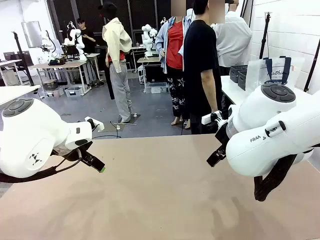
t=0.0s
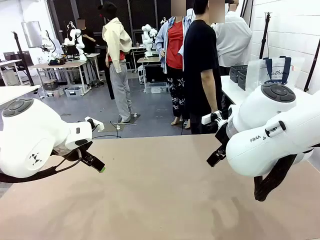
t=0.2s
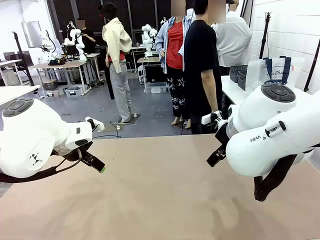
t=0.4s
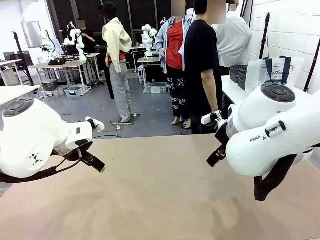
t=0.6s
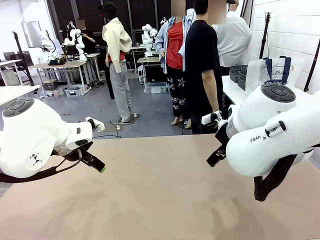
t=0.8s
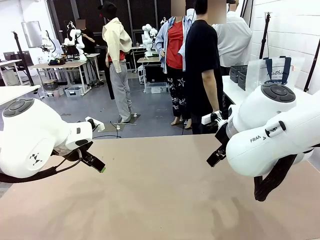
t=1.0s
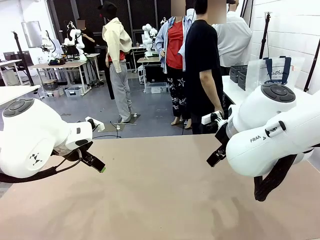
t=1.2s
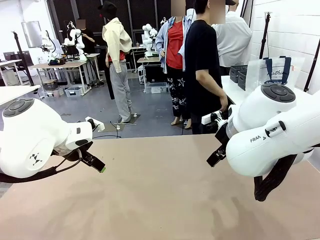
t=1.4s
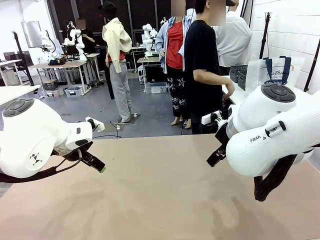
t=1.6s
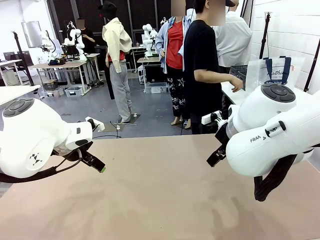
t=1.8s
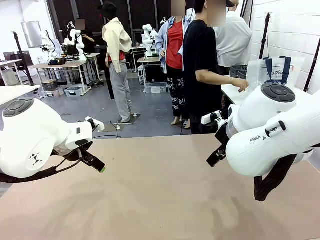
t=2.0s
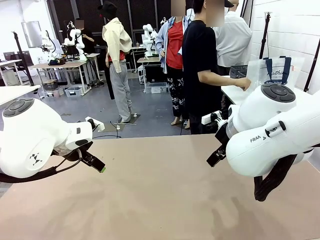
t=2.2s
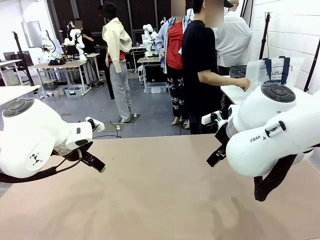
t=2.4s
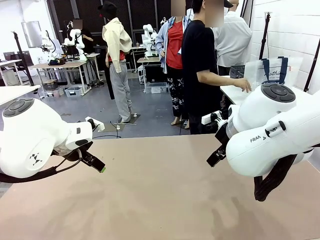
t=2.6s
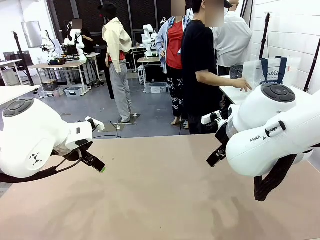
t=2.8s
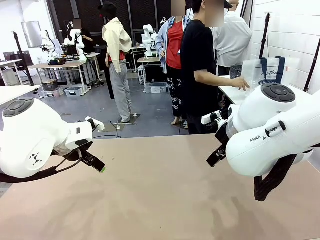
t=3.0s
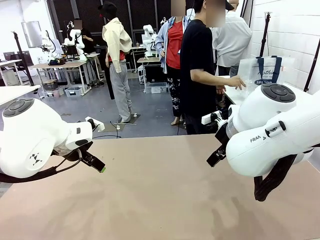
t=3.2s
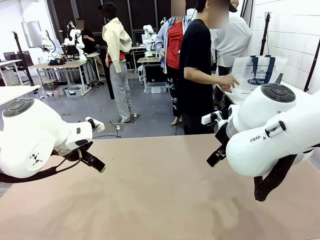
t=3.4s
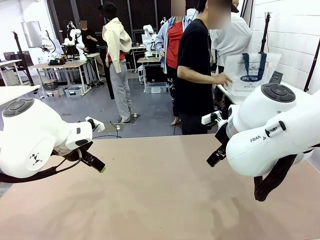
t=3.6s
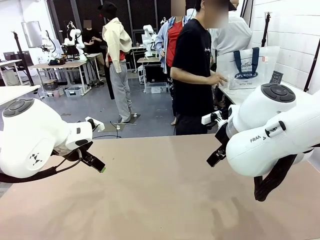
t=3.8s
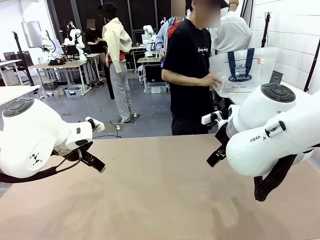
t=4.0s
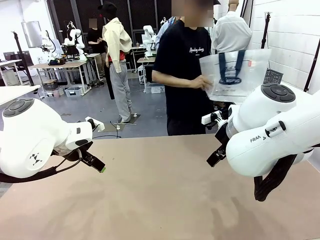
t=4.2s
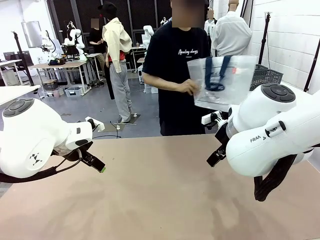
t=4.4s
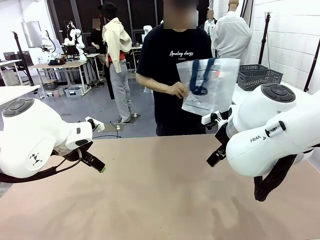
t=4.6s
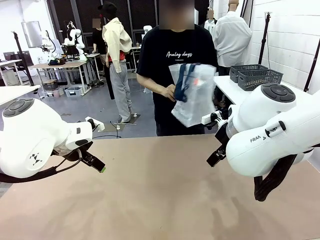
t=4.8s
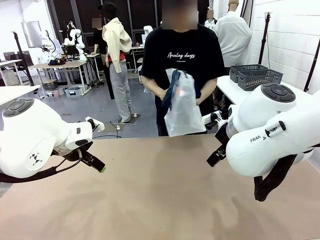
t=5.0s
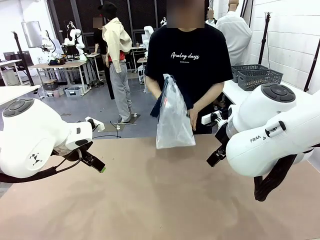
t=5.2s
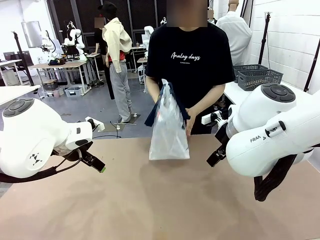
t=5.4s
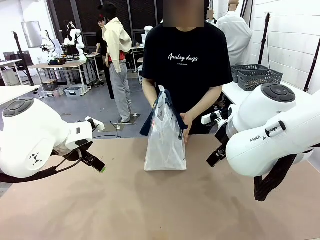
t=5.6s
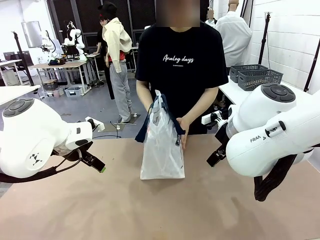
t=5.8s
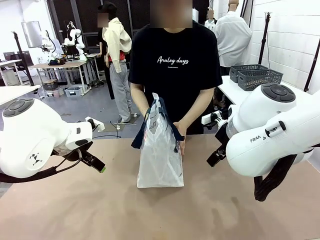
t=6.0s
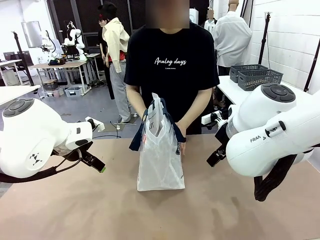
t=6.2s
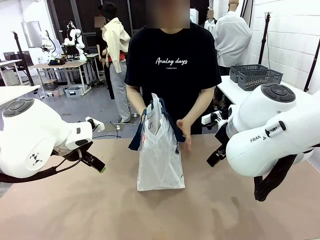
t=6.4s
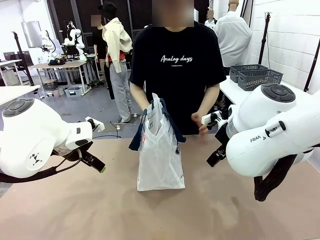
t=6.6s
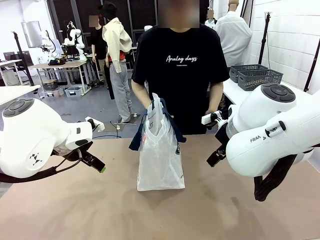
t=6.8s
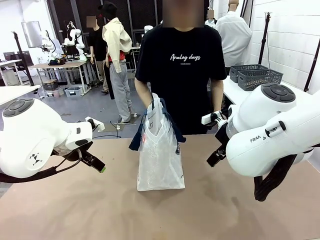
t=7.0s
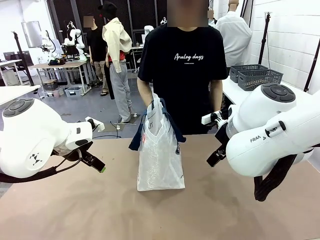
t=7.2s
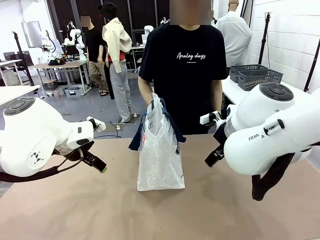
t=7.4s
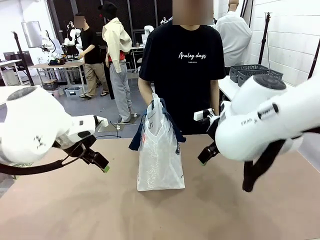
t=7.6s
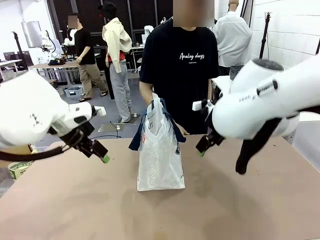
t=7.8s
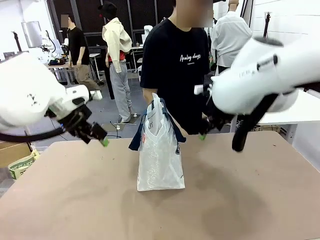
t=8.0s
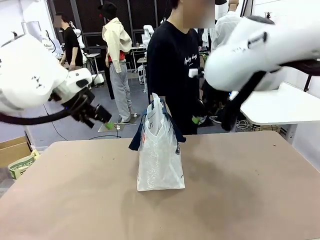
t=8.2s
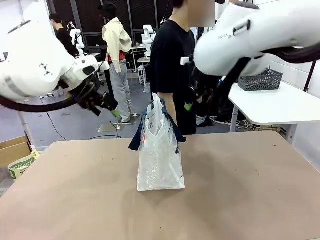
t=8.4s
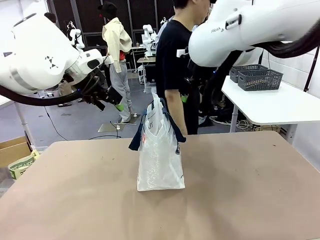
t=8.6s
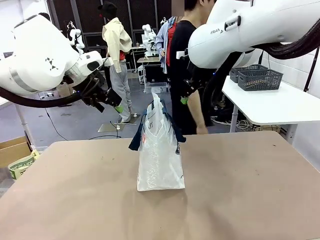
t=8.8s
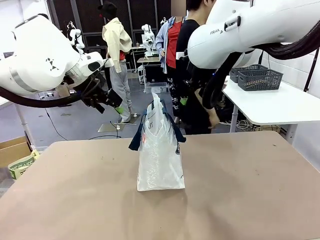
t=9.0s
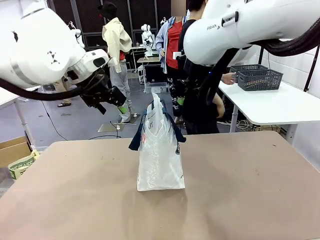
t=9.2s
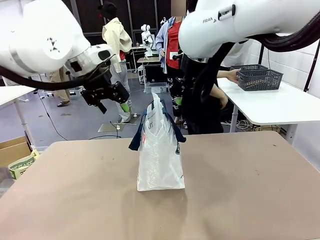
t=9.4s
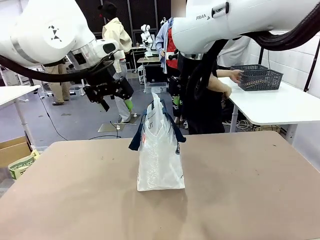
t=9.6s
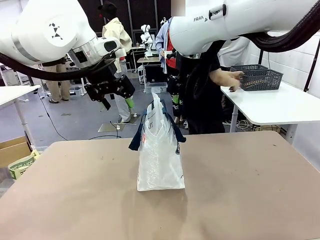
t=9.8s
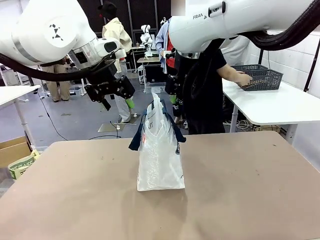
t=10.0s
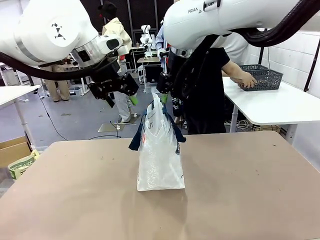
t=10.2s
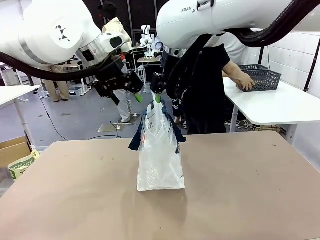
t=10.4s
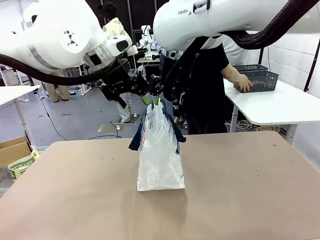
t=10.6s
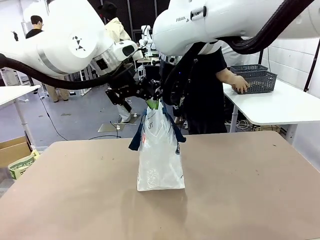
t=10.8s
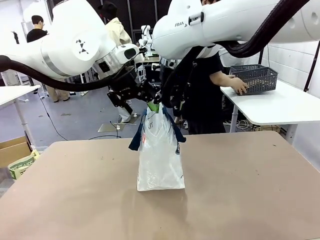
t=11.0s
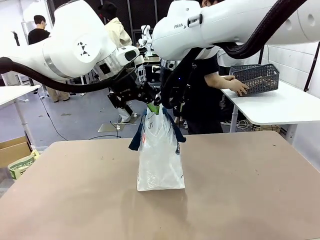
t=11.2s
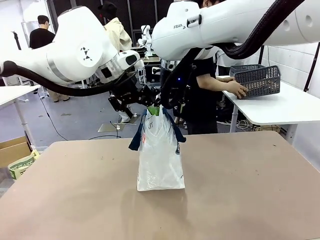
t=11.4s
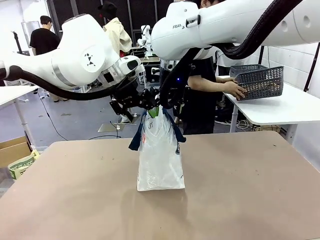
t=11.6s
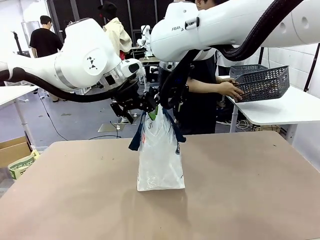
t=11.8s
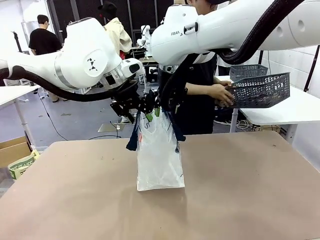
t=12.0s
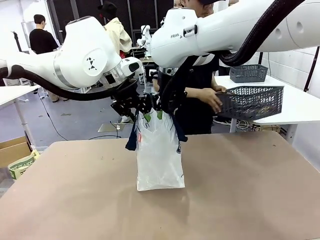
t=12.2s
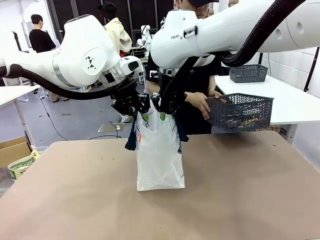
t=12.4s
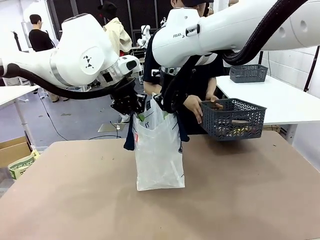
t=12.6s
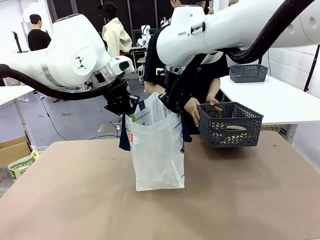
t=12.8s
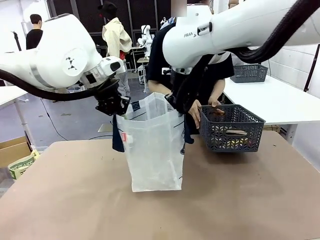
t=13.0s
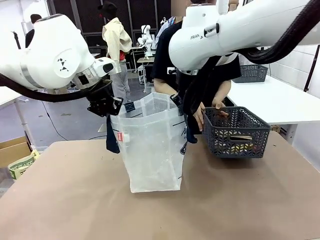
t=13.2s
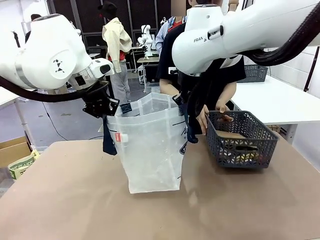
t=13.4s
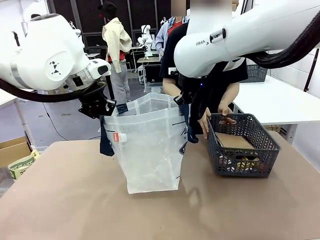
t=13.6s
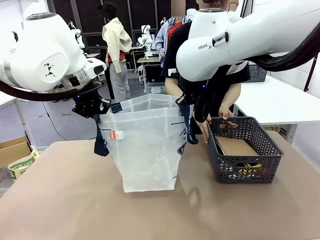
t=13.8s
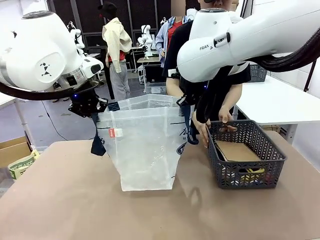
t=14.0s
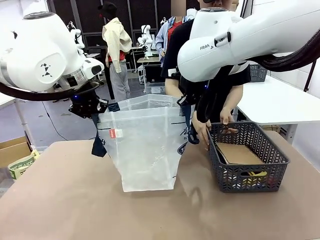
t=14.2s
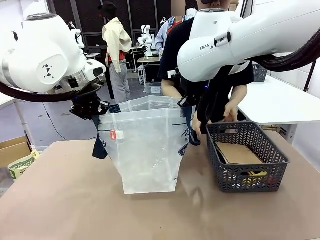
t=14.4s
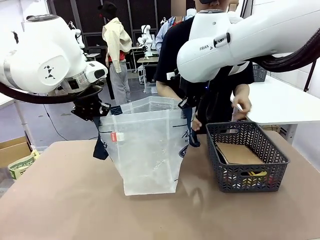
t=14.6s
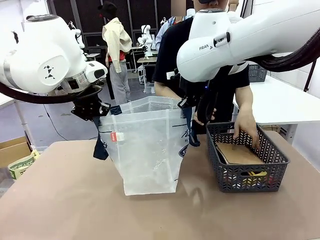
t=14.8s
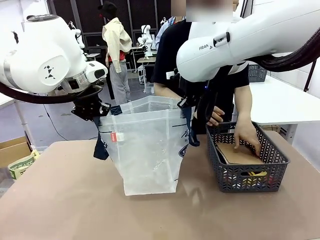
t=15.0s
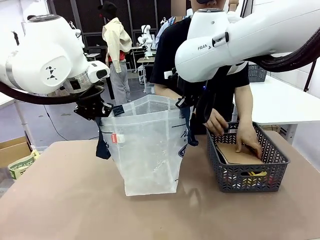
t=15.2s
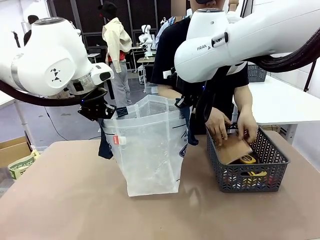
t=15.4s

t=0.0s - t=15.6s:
Task: Transfer purchased items from the store into the shopping bag.
Robot: Open the Reusable shopping bag in the center of the table.
Person: Pick up the shopping bag and place it in the middle of the robot table.
